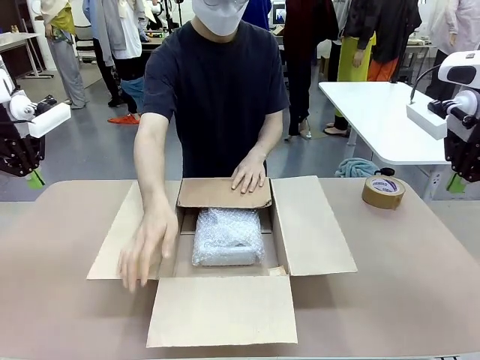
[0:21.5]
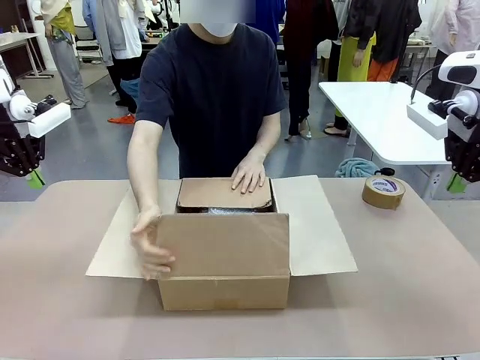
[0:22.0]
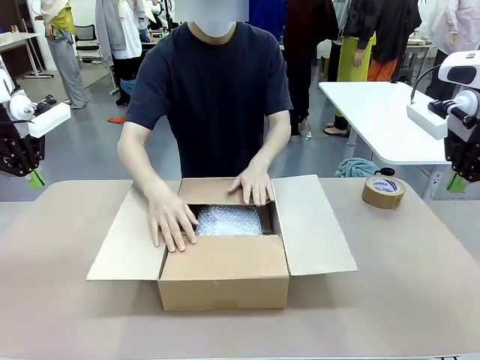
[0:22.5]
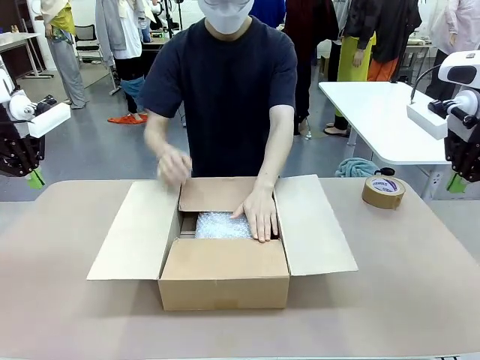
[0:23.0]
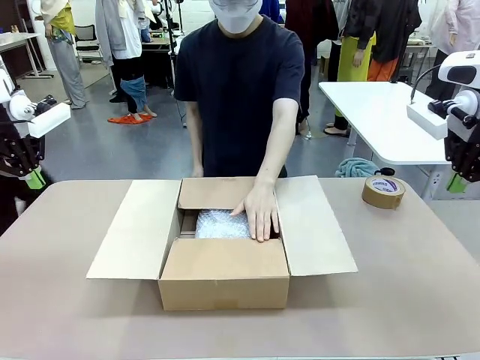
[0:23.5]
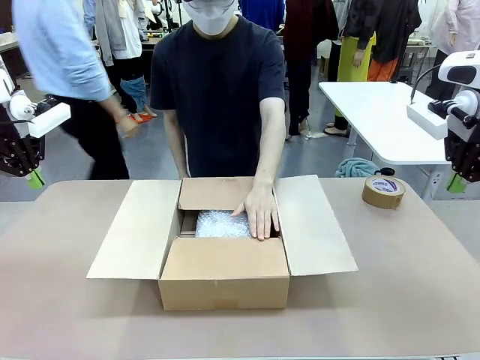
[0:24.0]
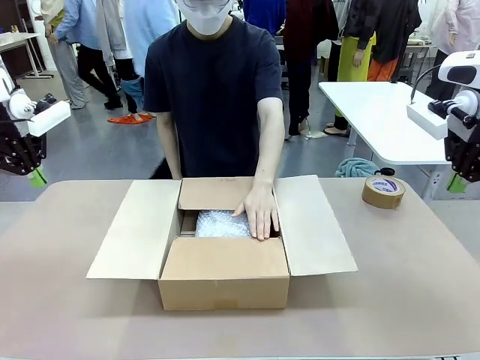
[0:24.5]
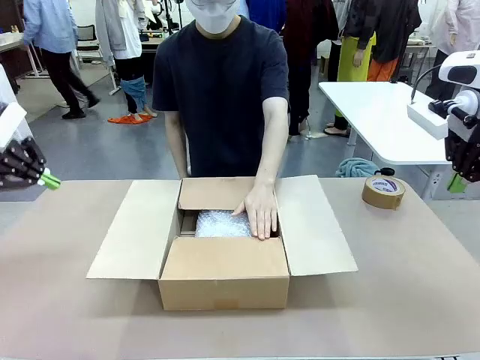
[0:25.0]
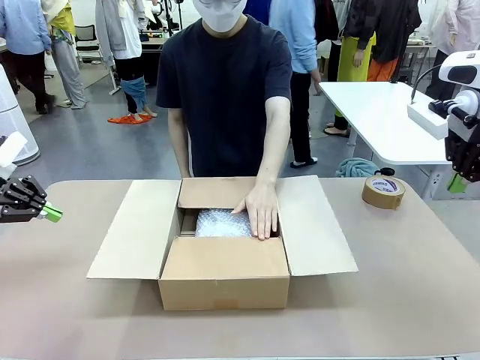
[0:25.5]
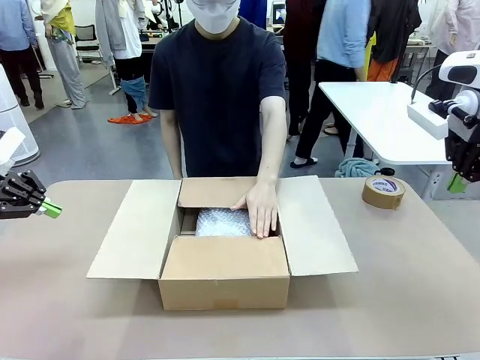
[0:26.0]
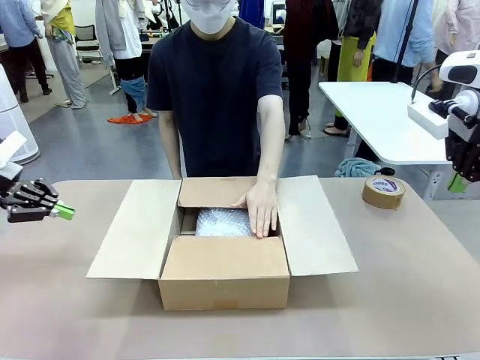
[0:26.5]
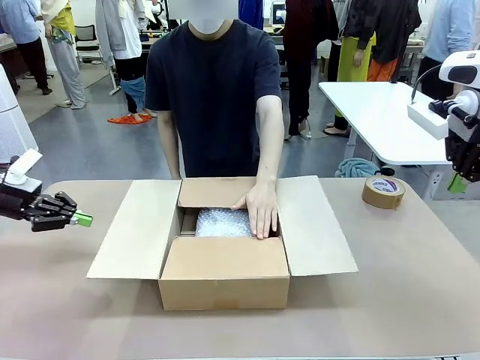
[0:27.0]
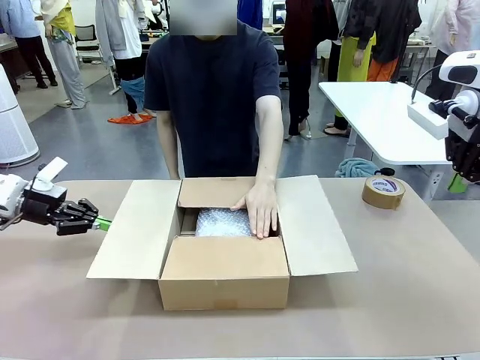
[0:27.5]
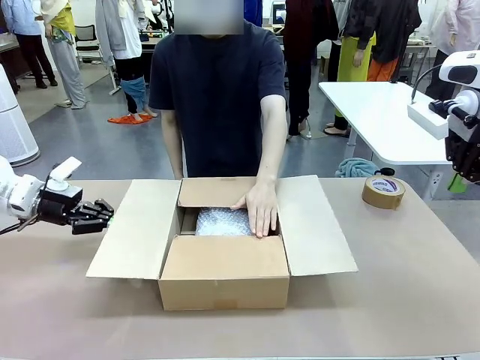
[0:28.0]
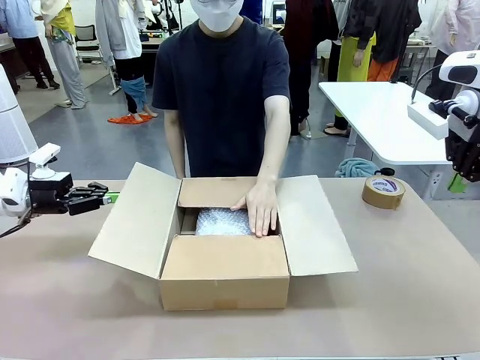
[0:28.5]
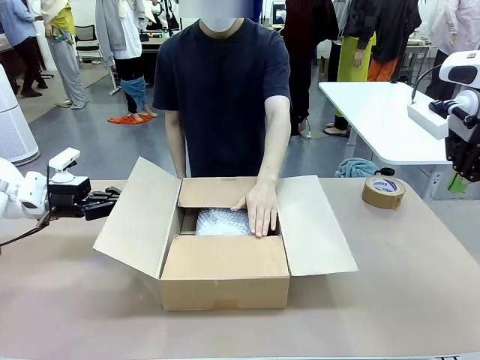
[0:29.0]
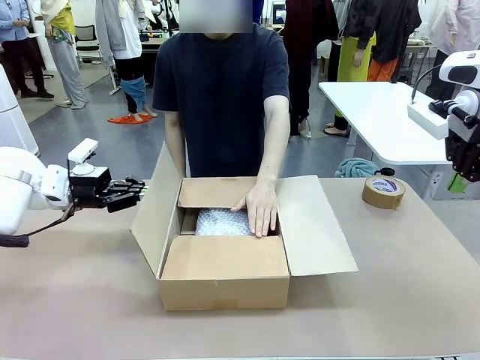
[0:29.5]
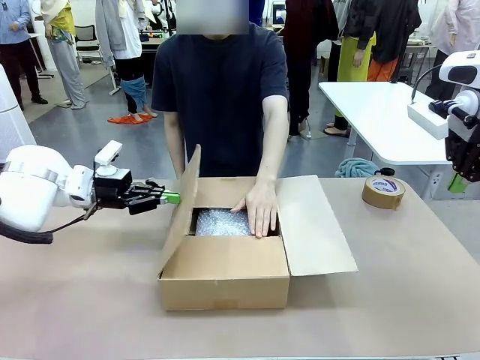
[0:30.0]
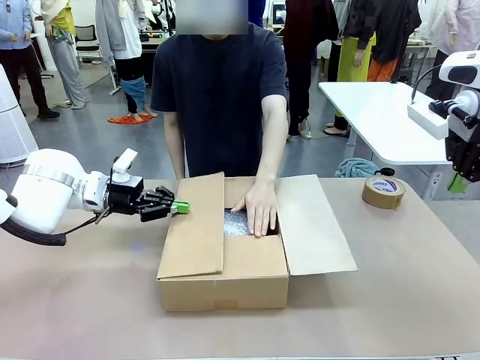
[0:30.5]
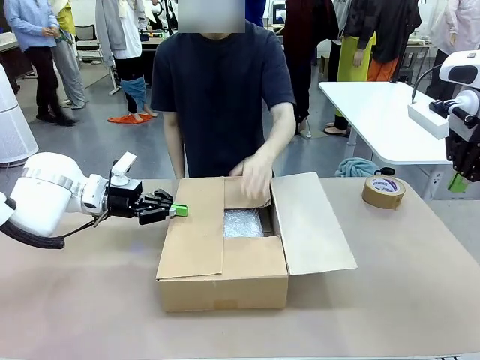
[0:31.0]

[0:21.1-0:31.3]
Task: Wrap the clocks to prevent damage.
Robot: Push the right (or left) flap of the Package Box to close it.
Person: Once the robot closes the right flap of the Package Box , release your left hand from the box.

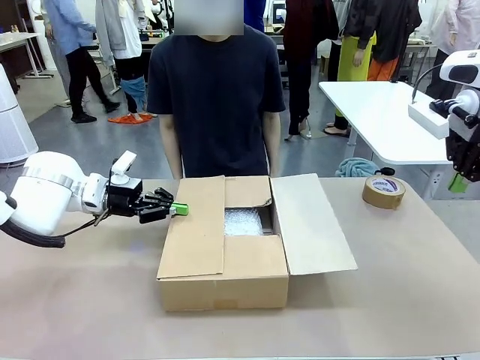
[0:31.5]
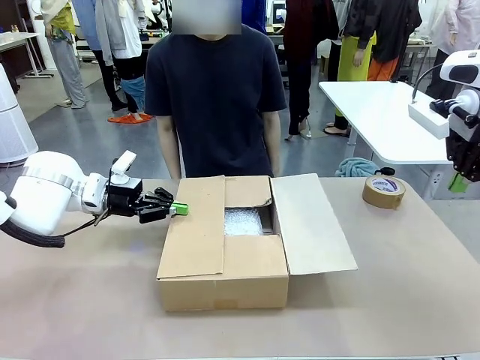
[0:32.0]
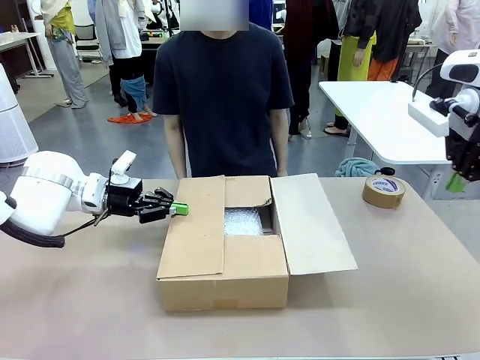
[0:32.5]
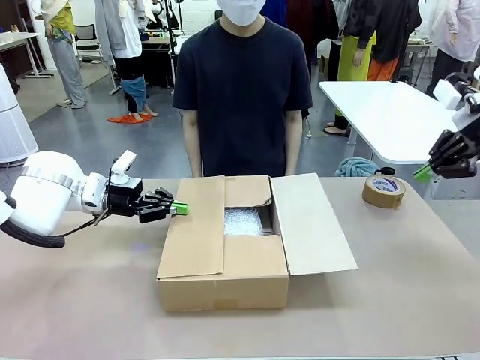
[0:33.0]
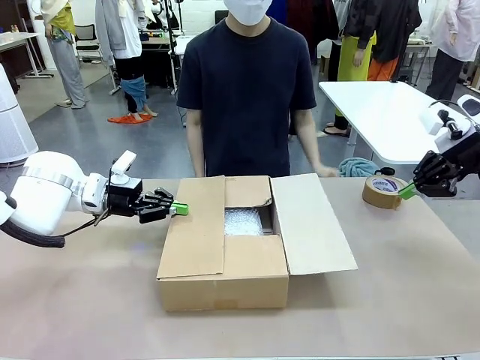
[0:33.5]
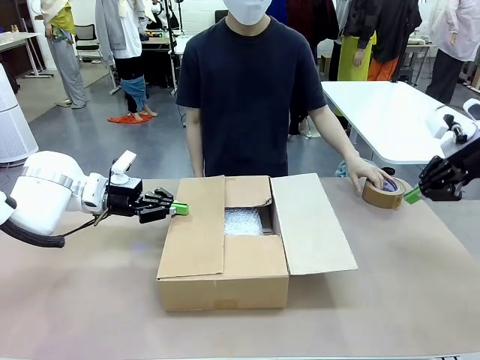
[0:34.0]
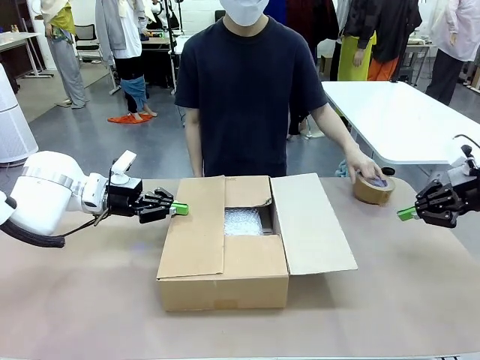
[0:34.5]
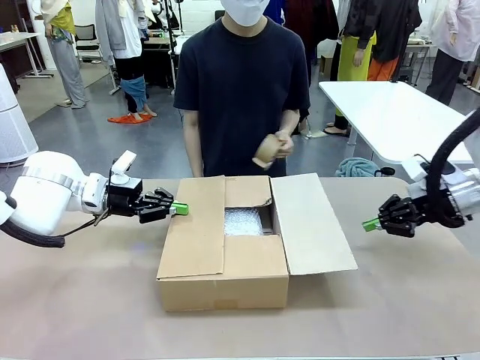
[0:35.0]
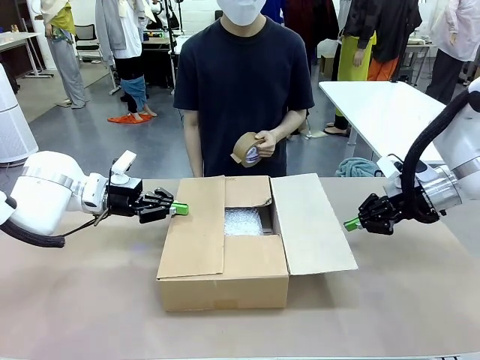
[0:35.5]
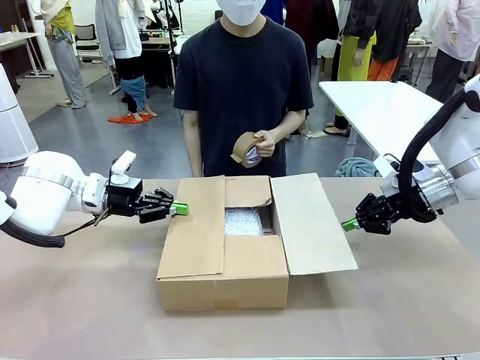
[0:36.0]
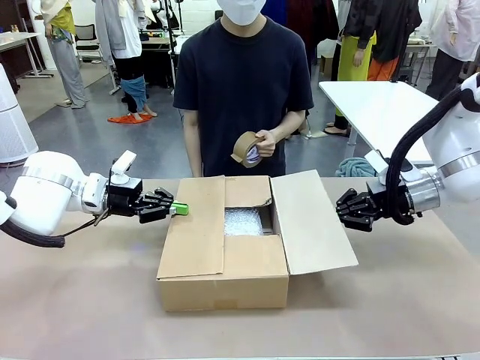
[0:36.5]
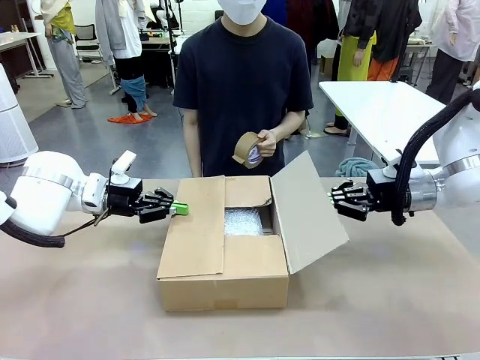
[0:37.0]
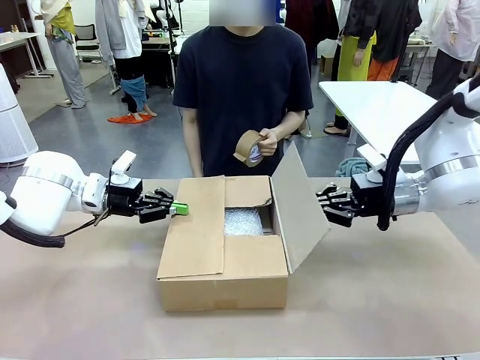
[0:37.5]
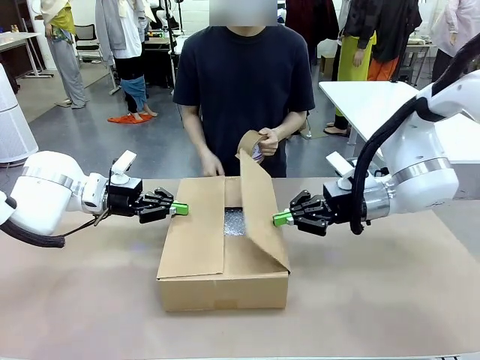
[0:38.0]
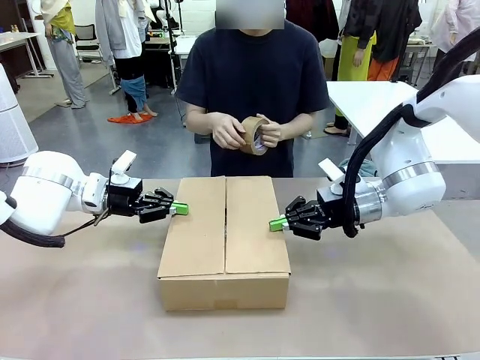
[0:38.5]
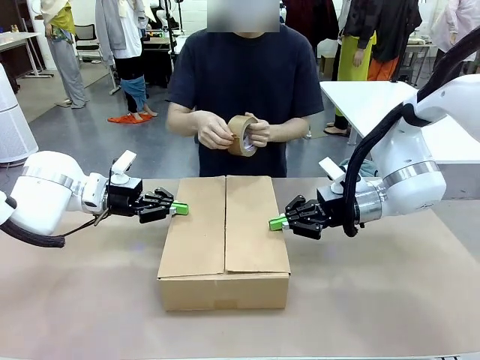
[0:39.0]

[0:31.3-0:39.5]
Robot: Push the left (or right) flap of the Package Box to close it.

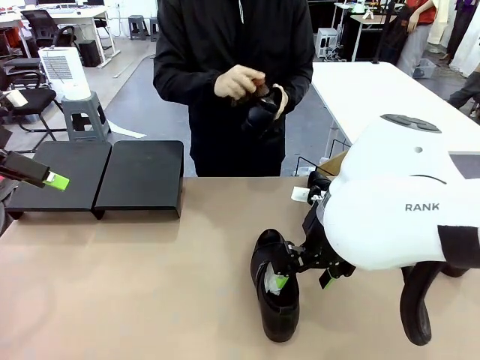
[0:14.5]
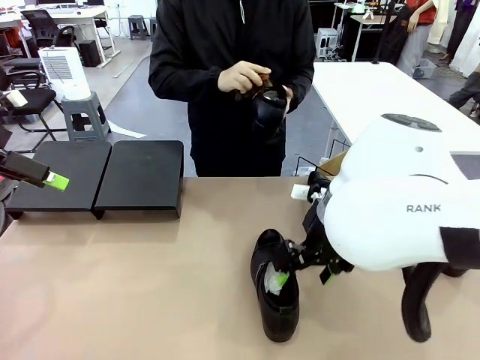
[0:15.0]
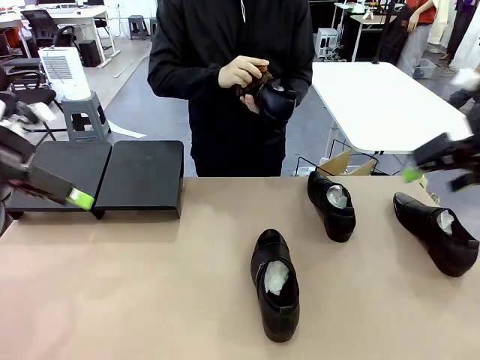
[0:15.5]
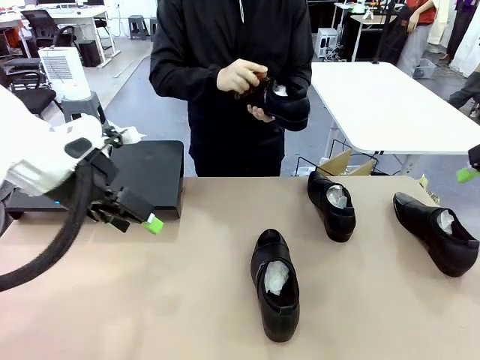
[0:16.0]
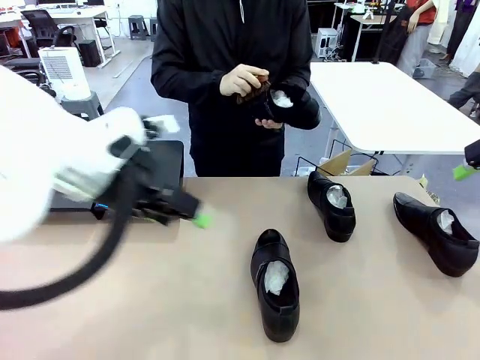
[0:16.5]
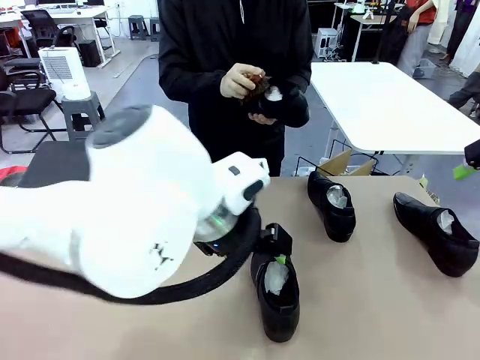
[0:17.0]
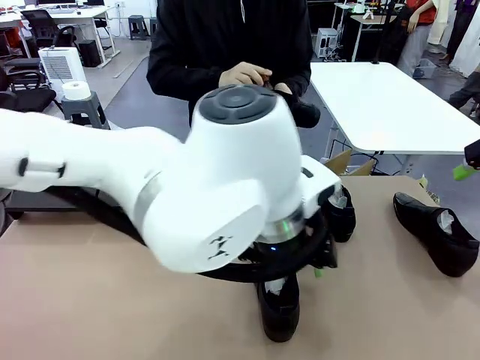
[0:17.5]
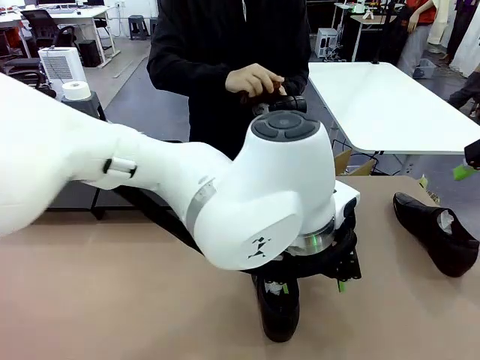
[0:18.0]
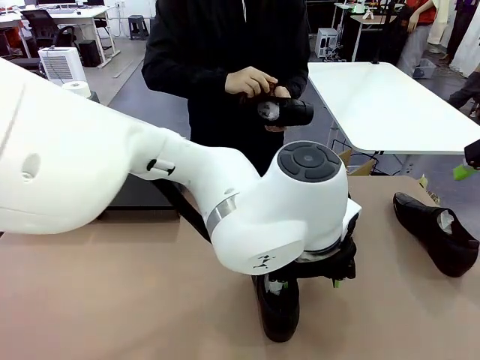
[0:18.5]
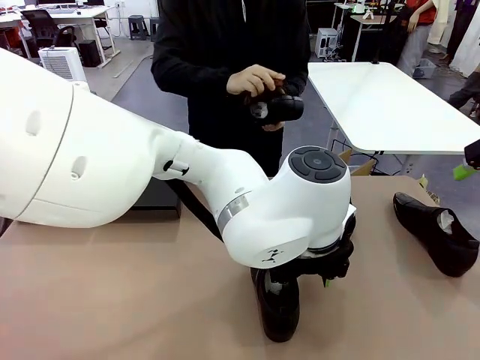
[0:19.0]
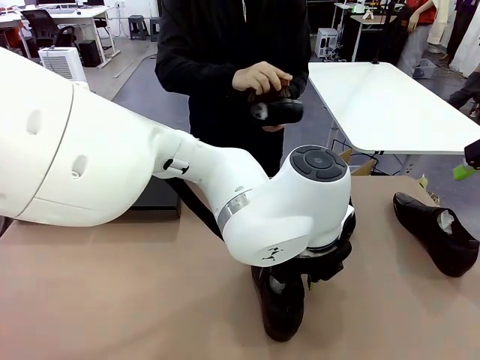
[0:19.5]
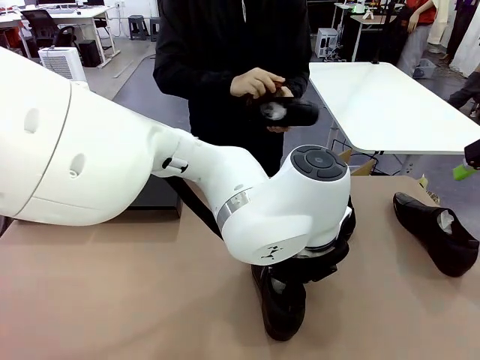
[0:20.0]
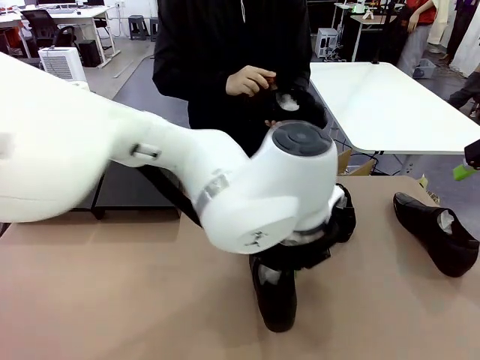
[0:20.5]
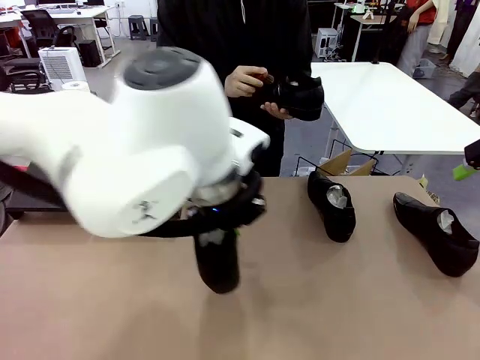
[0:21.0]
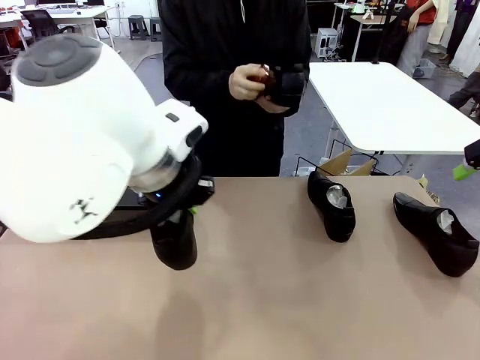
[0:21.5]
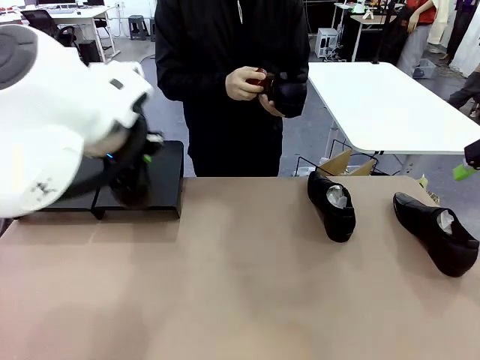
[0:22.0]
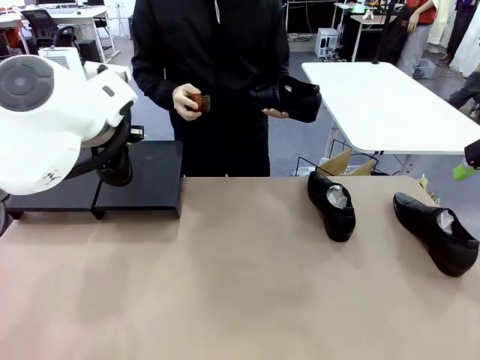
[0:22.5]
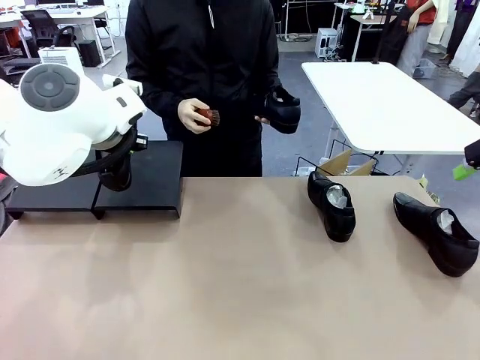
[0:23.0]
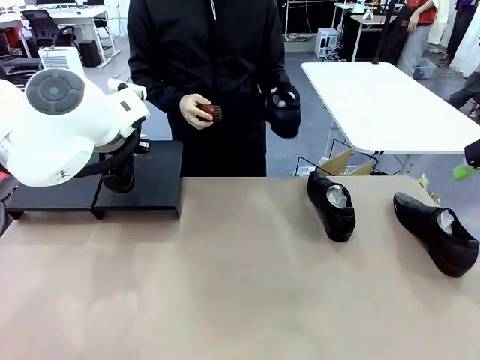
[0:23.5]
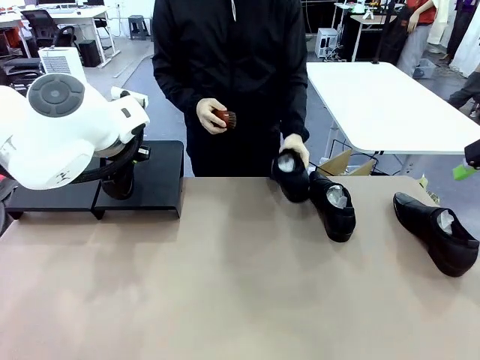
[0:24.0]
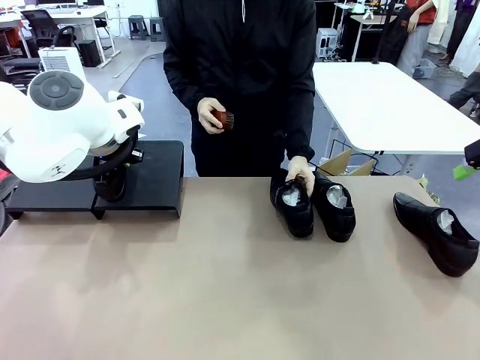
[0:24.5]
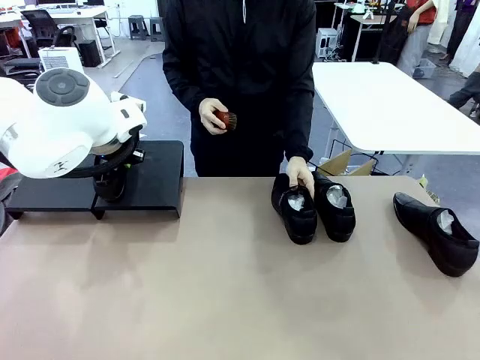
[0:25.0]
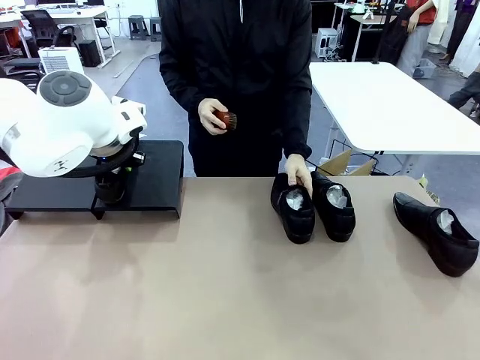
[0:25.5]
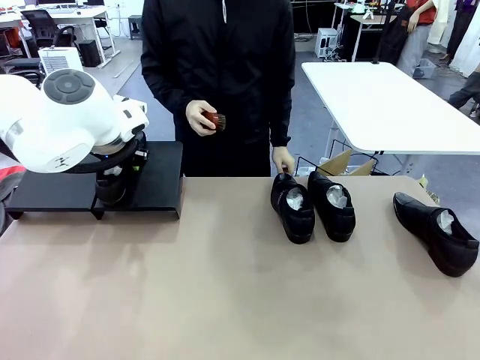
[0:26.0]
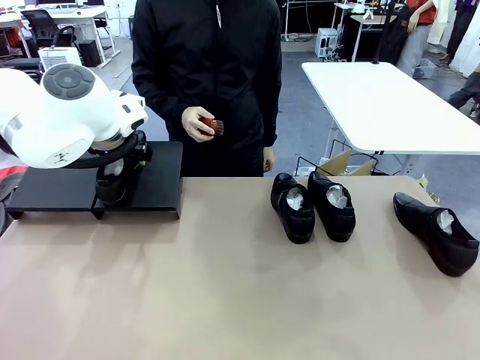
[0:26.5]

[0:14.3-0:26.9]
Task: Organize the shoes by placing them on the stand.
Robot: Place the Shoe from the middle of the table onto the Shoes Stand.
Person: Place the Shoe on left side of the Robot's table.
